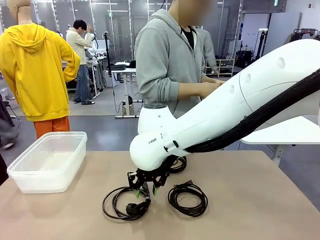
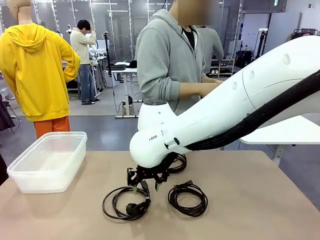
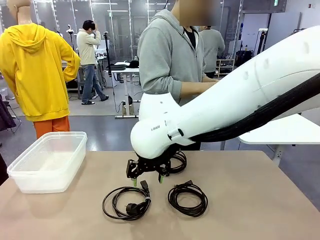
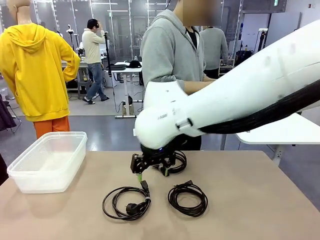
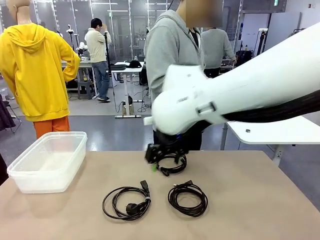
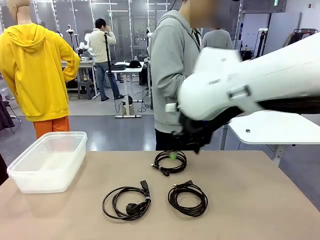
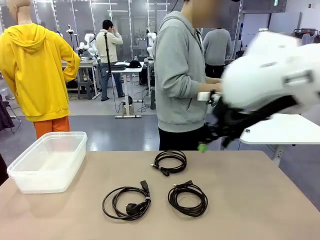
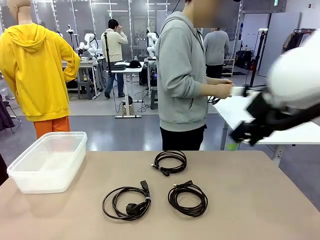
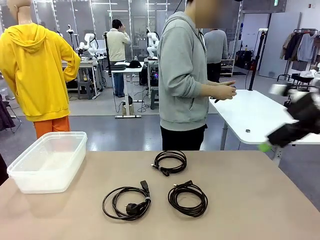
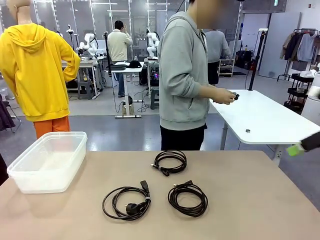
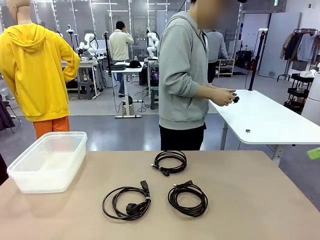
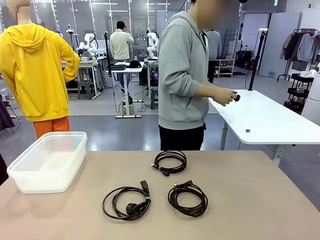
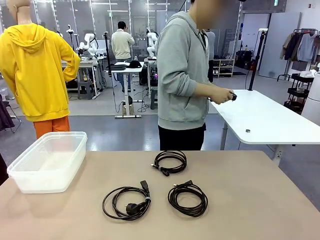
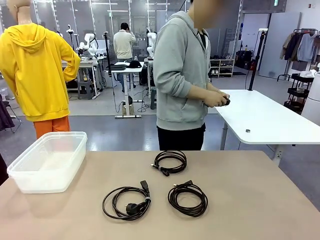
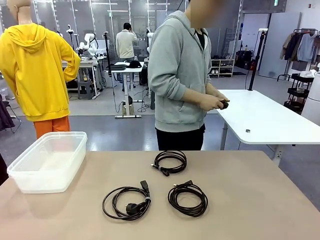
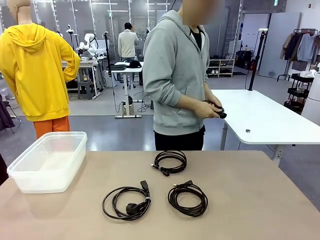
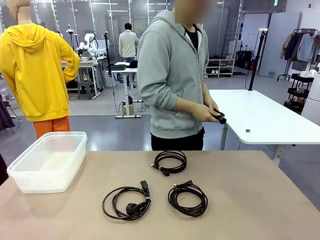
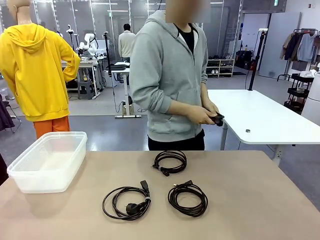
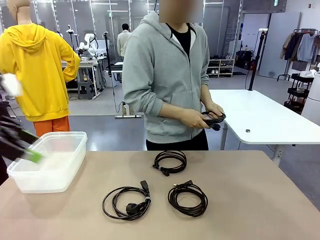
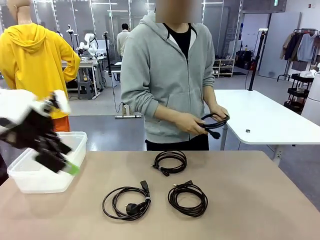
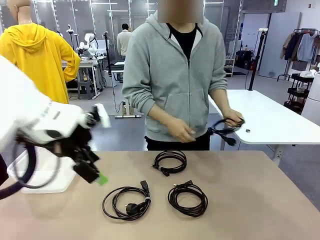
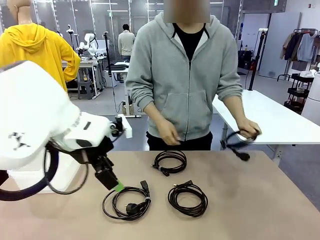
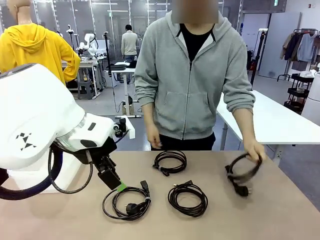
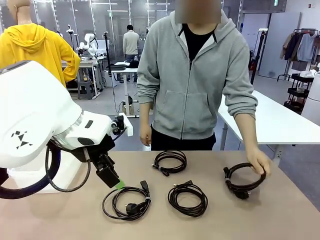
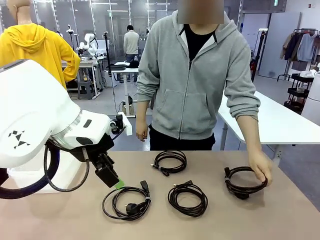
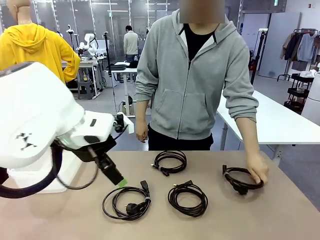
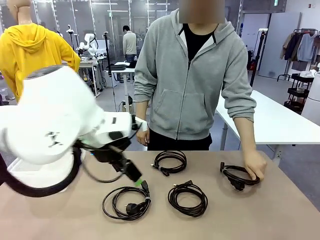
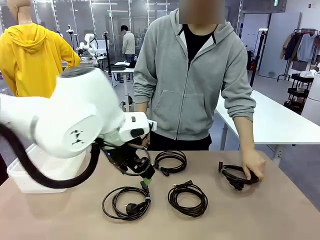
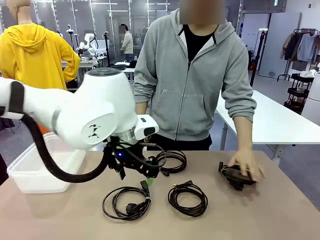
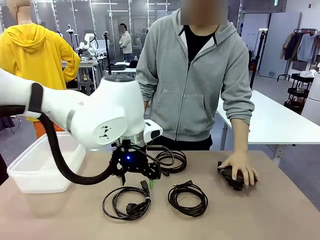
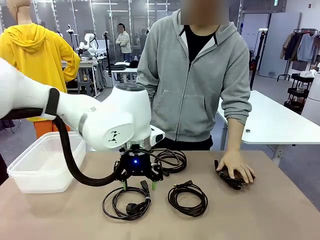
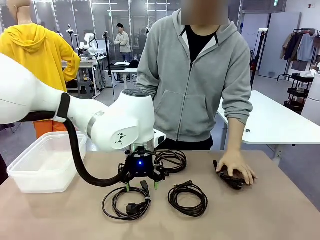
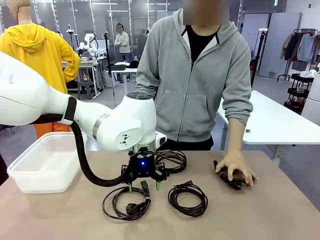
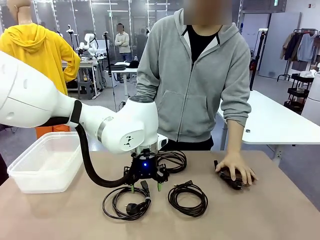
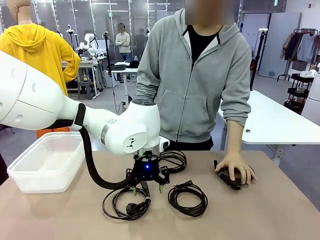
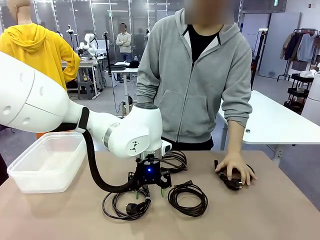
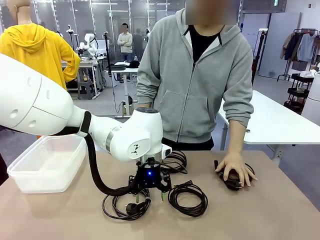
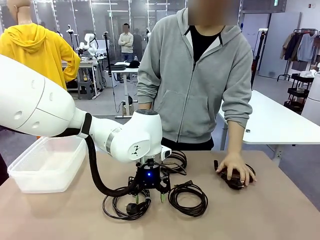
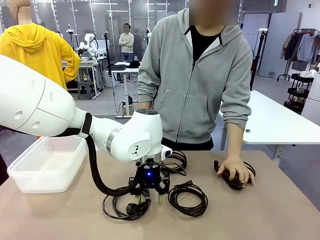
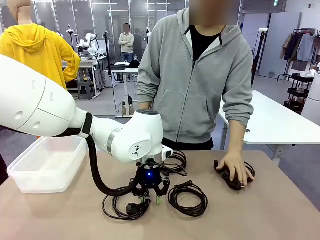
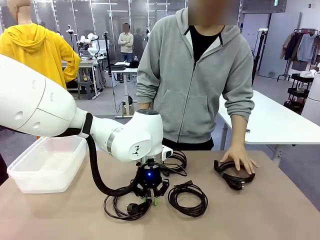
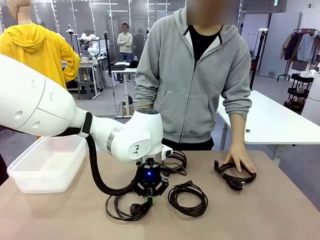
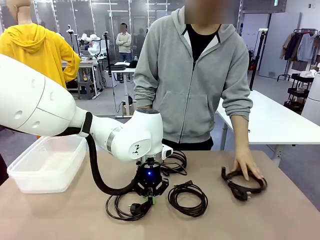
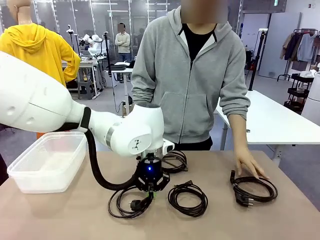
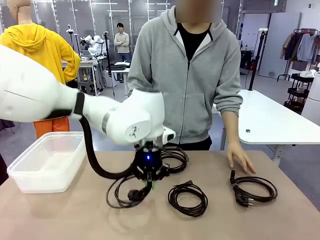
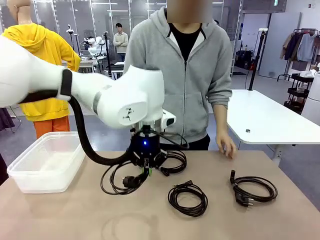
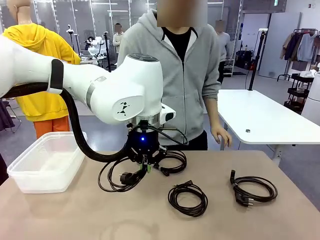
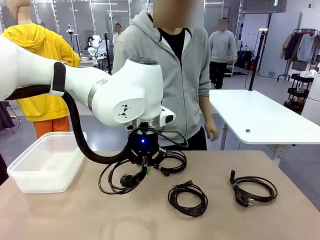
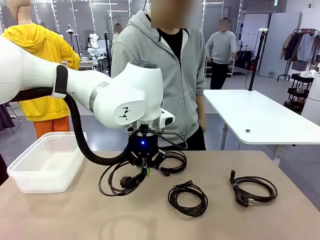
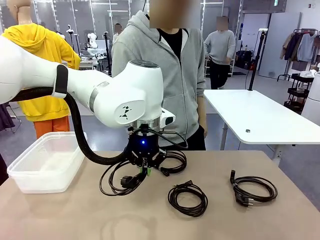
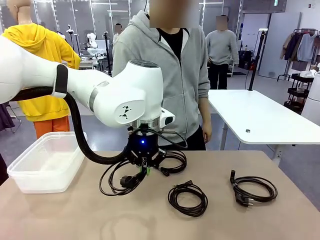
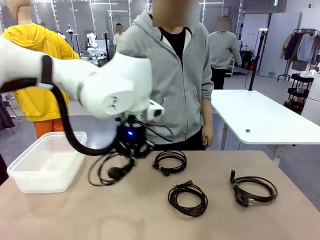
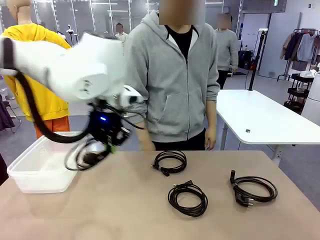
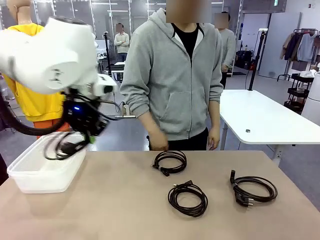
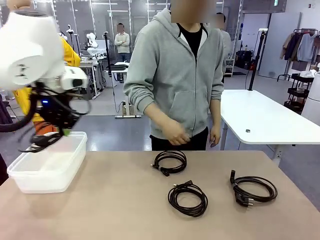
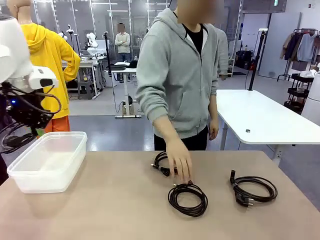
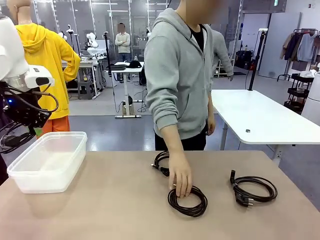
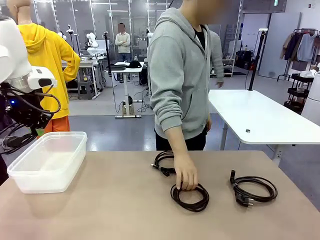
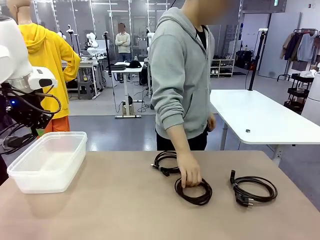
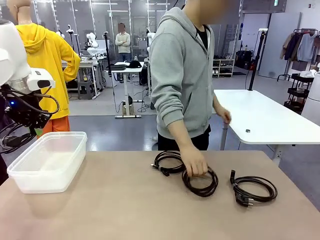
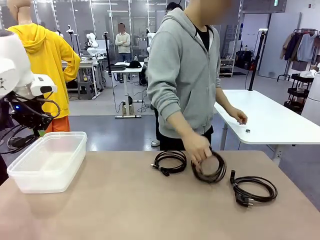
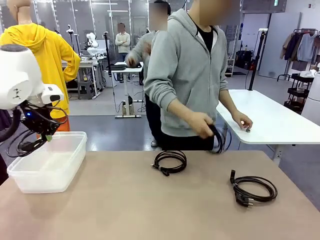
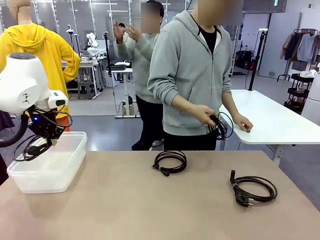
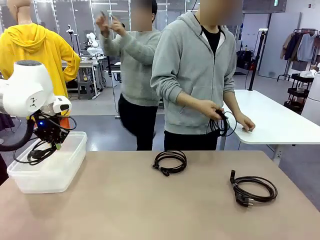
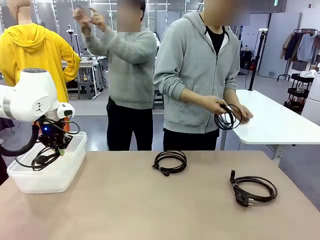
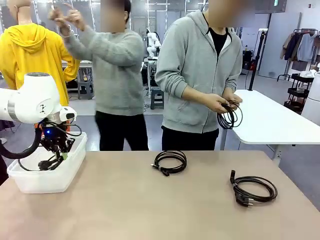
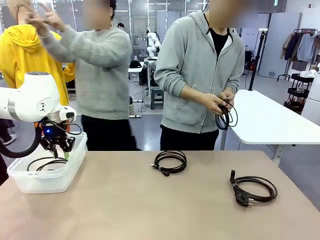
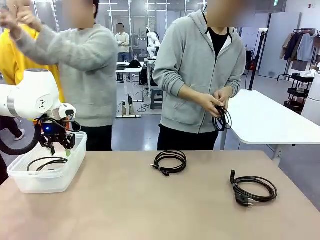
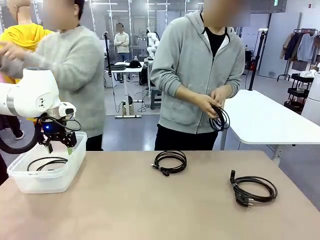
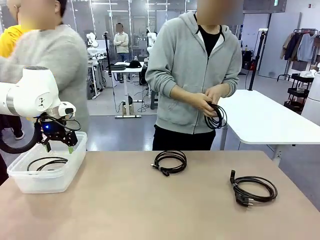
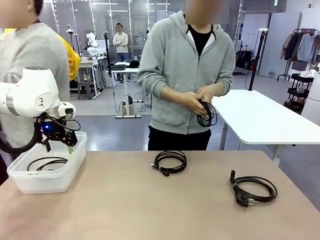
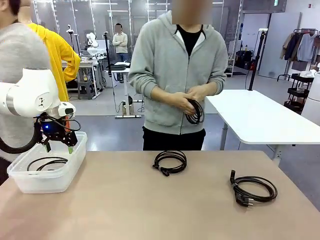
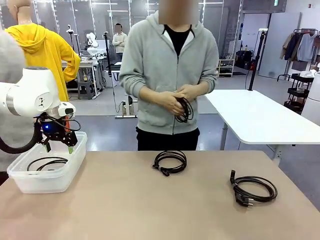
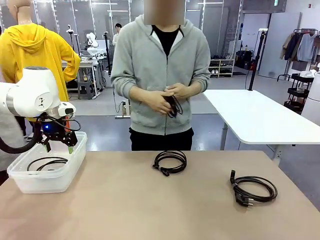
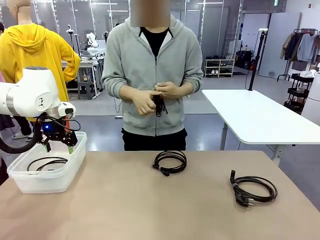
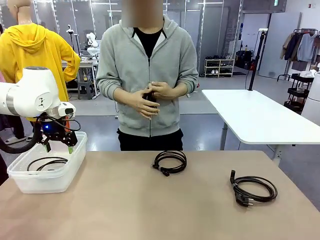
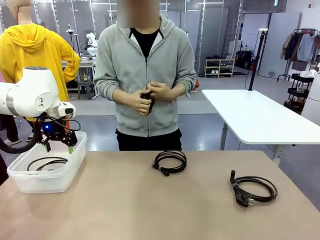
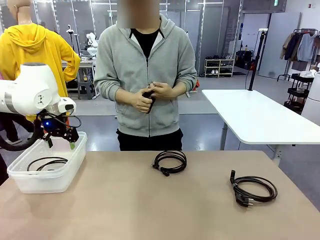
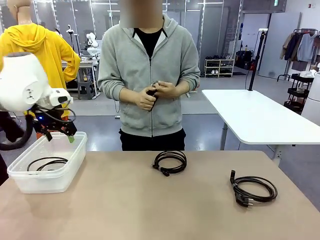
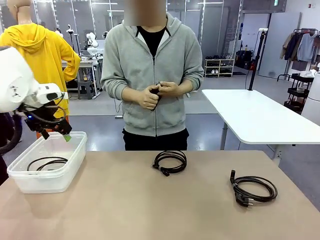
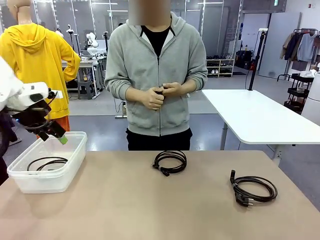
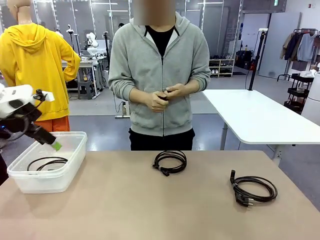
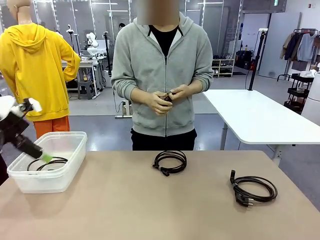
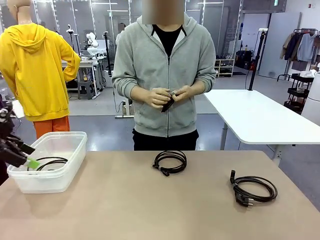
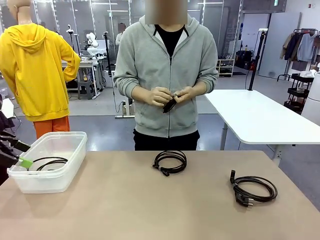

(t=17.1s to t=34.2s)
Task: Organize and store the cables.
Robot: Place the Power Cable into the Organizing box.
